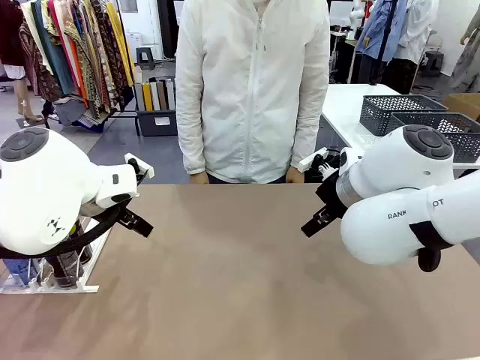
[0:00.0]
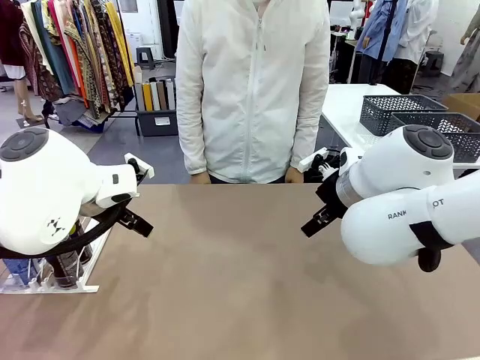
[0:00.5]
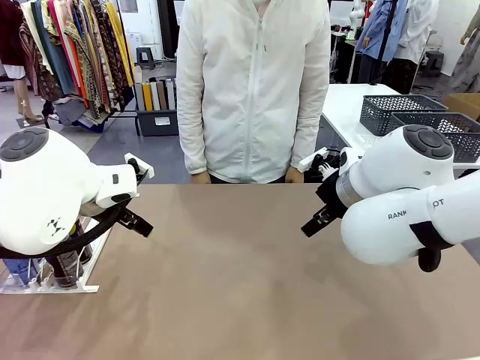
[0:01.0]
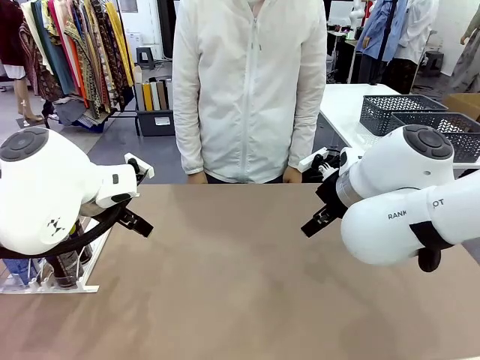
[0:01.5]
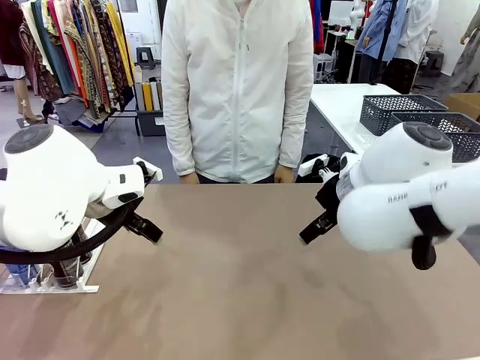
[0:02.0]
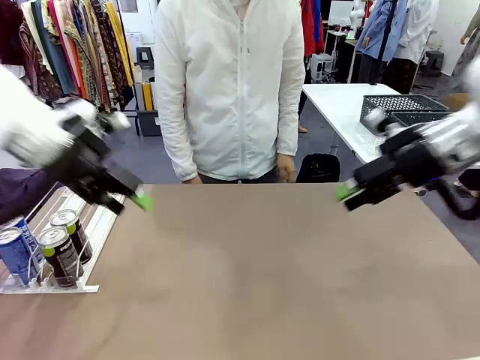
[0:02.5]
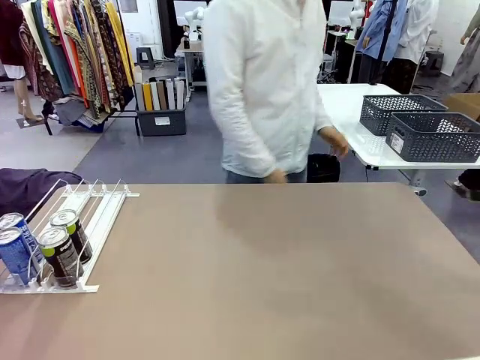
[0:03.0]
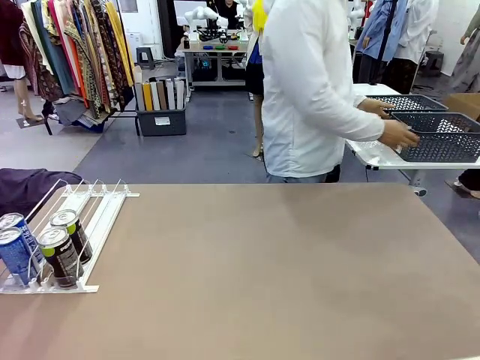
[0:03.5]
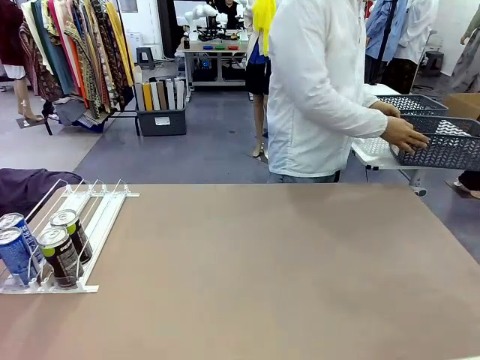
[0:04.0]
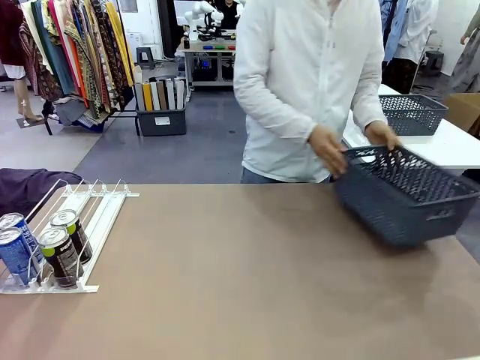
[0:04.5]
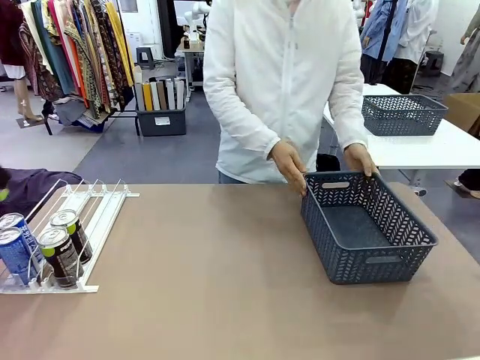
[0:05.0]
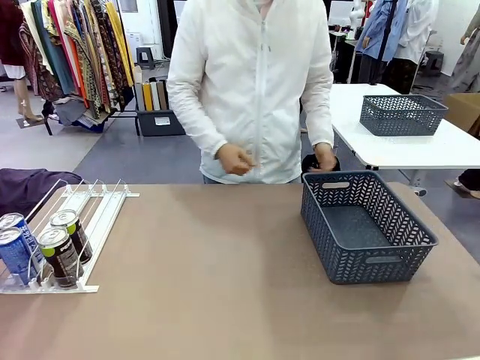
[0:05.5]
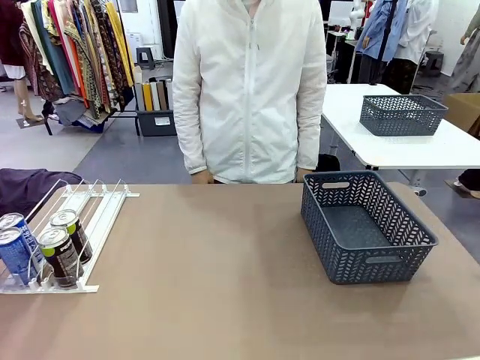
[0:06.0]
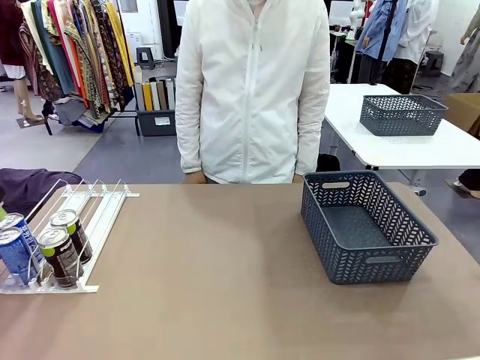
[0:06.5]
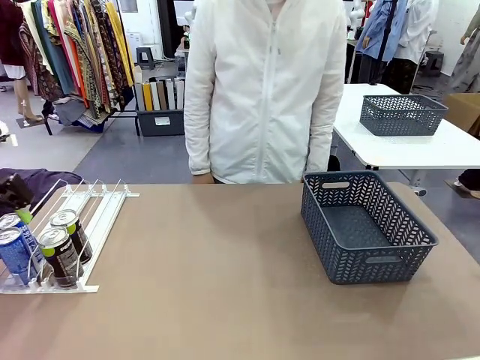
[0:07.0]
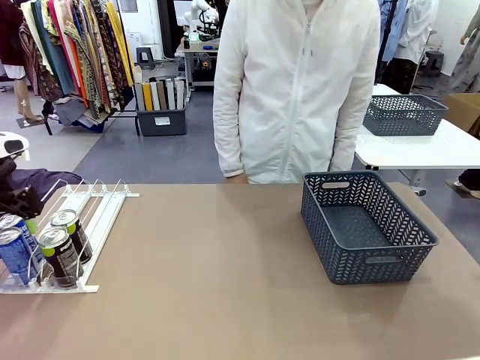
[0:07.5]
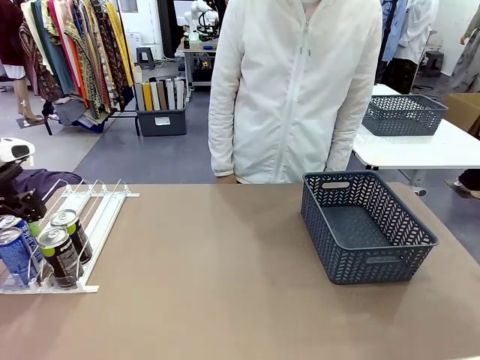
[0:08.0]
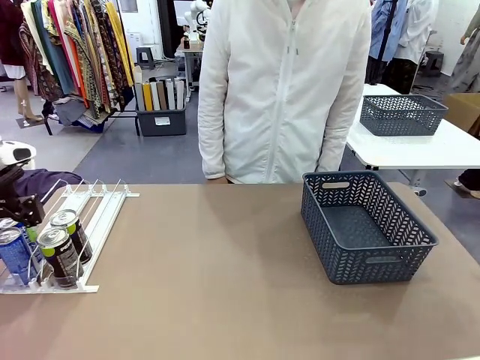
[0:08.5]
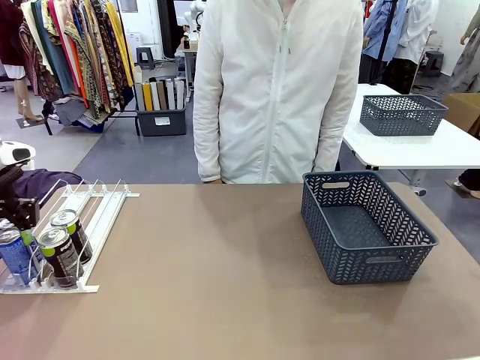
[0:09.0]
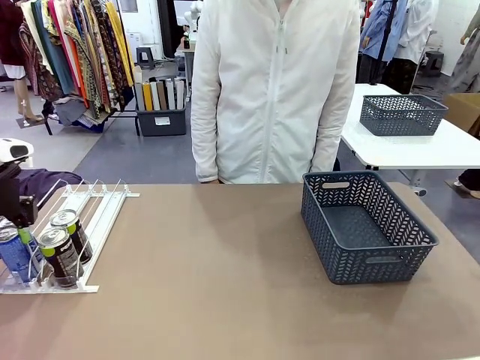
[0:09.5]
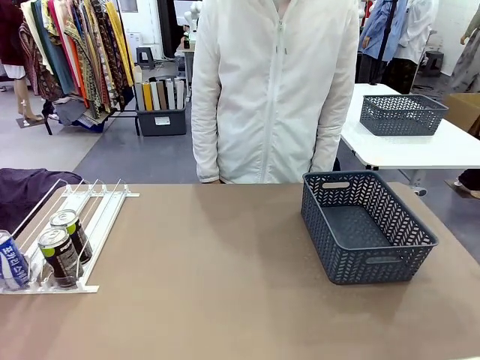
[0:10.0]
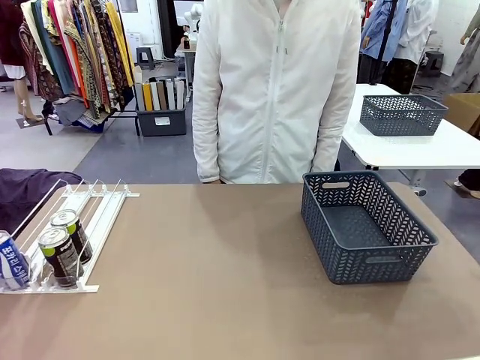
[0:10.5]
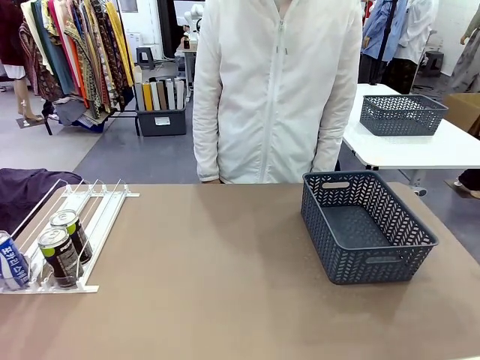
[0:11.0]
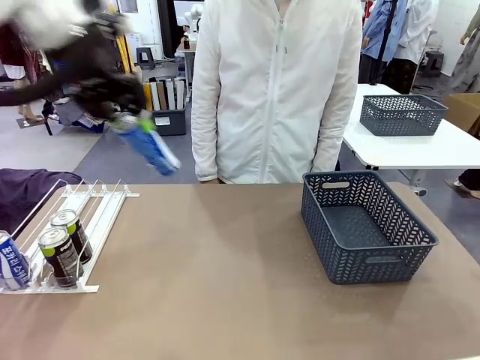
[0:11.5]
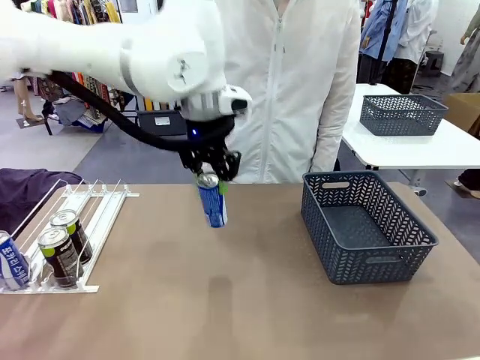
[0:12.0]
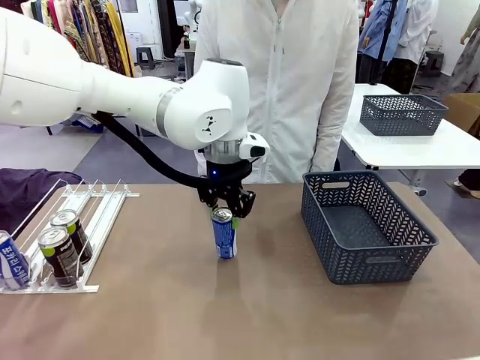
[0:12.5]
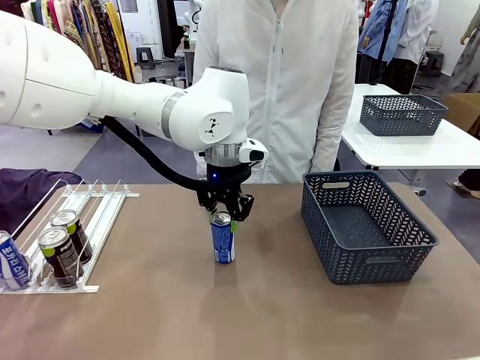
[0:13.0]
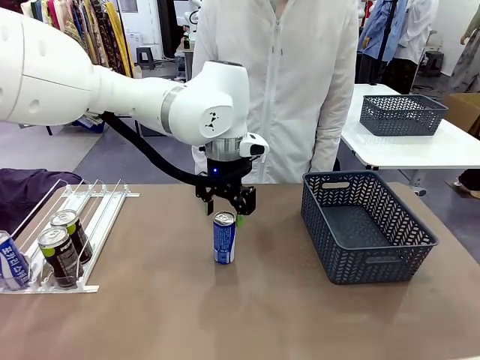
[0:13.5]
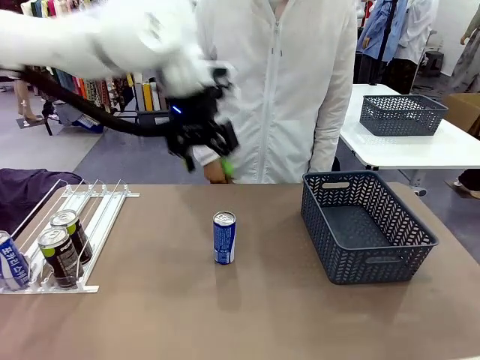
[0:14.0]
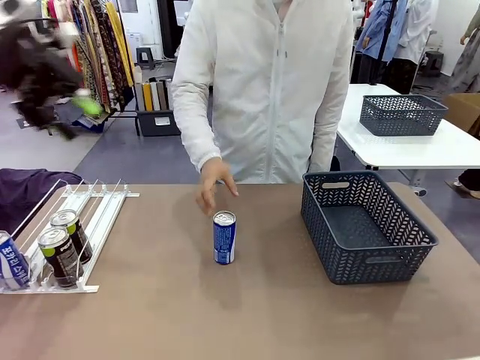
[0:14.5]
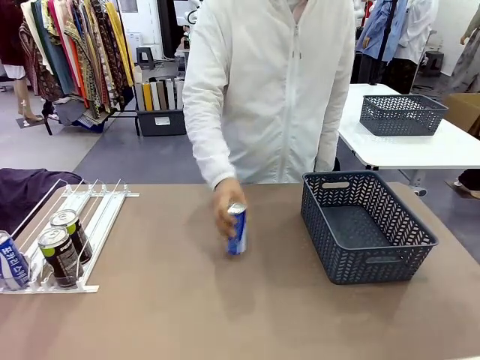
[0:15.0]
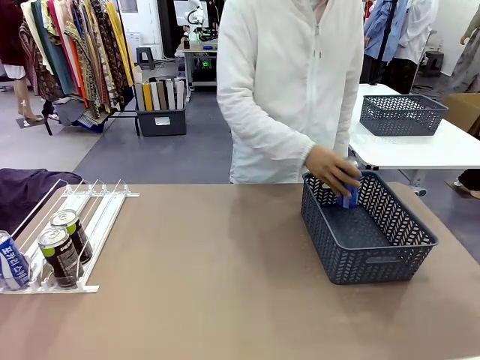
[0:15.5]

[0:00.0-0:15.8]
Task: Retrieve and store the cans from the dispenser.
Robot: Pick up one can from the Automatic Can Dispenser and place it in the middle of the table.
Person: Pick up the basket and place it on the left side of the robot table.

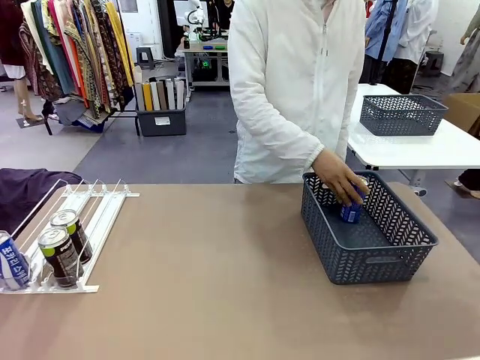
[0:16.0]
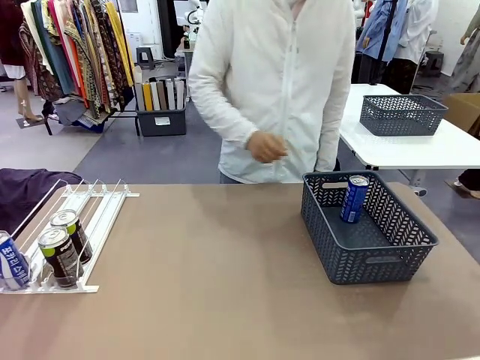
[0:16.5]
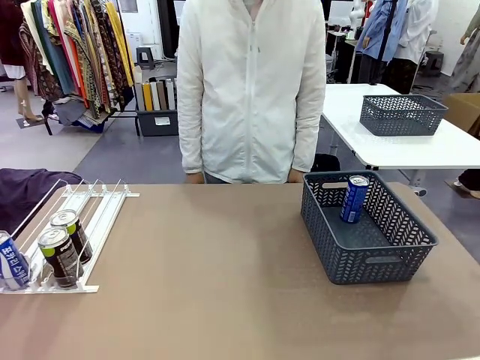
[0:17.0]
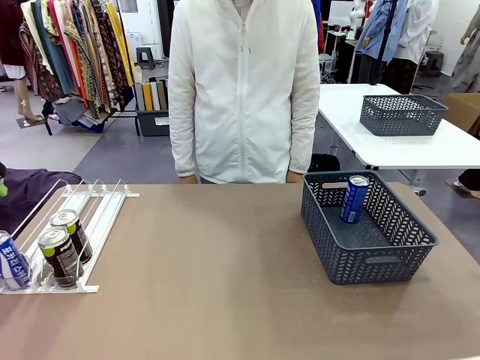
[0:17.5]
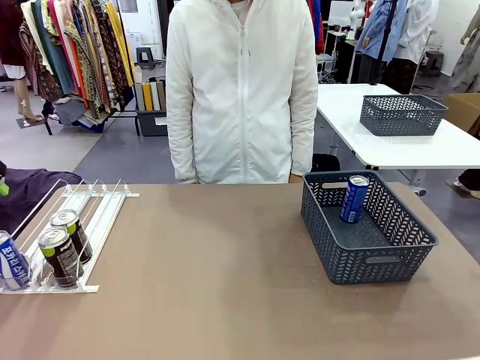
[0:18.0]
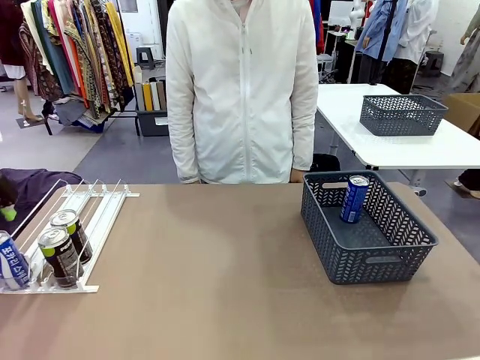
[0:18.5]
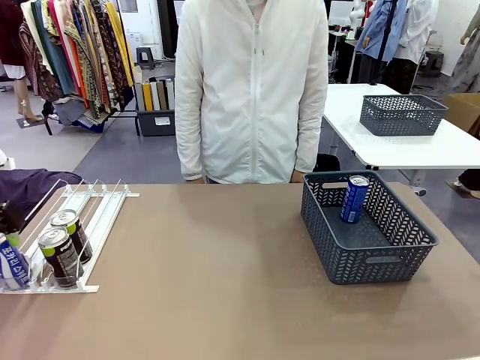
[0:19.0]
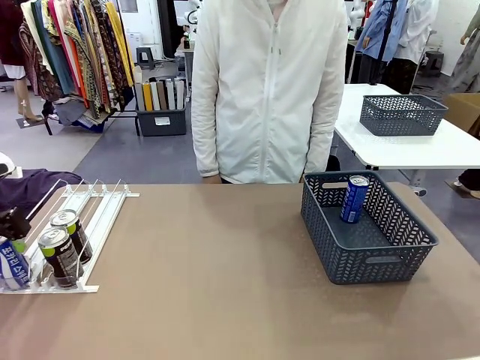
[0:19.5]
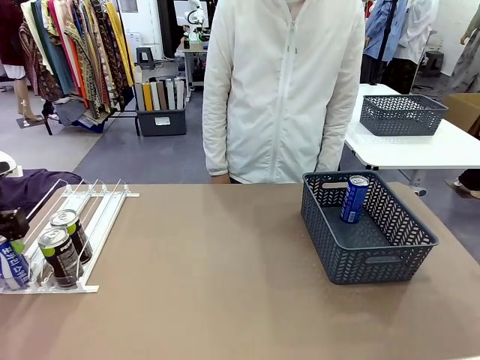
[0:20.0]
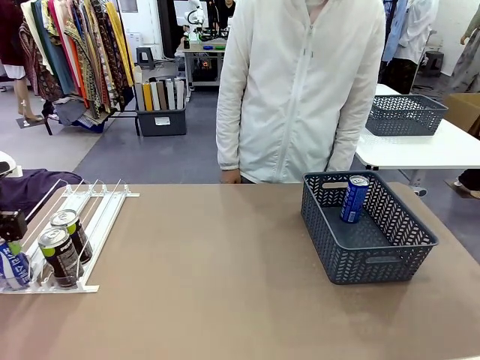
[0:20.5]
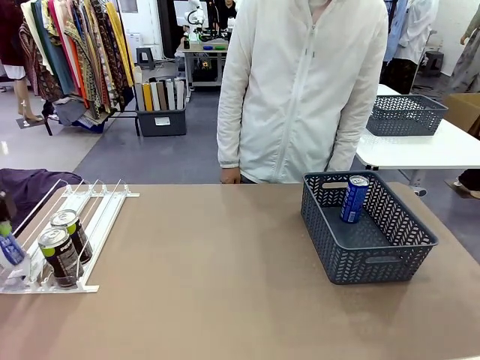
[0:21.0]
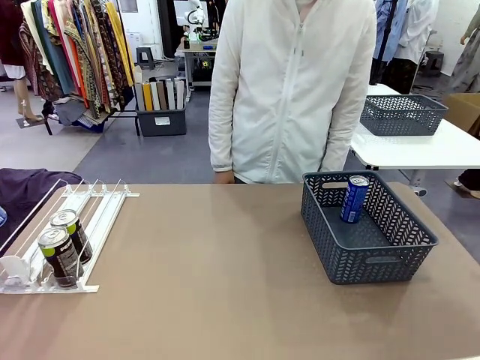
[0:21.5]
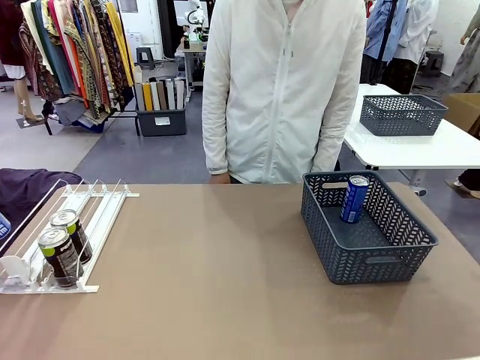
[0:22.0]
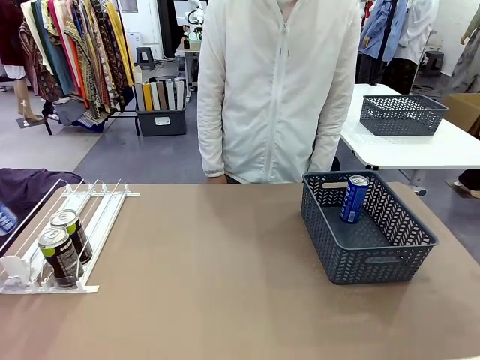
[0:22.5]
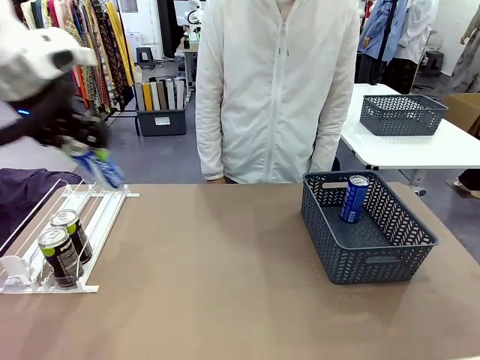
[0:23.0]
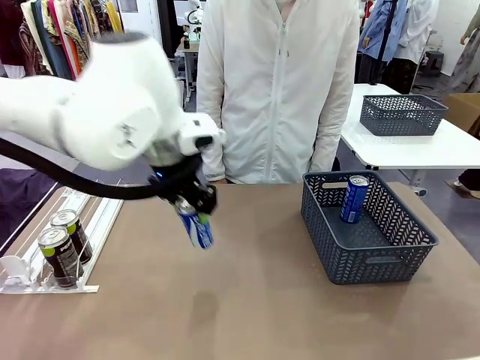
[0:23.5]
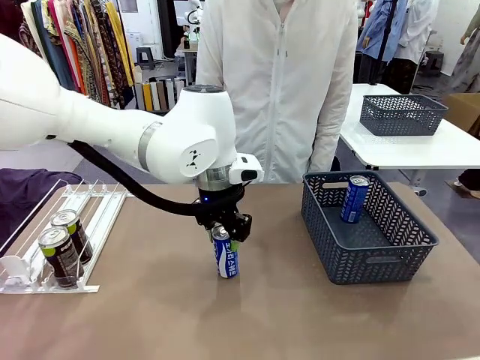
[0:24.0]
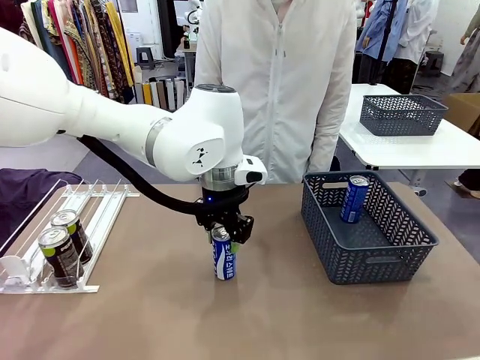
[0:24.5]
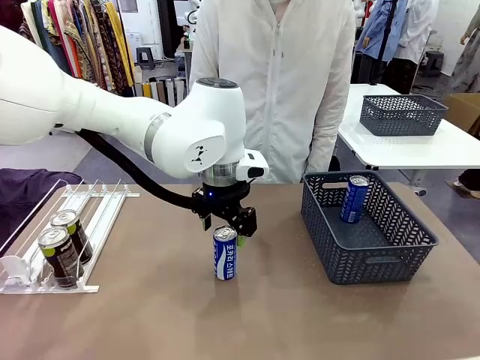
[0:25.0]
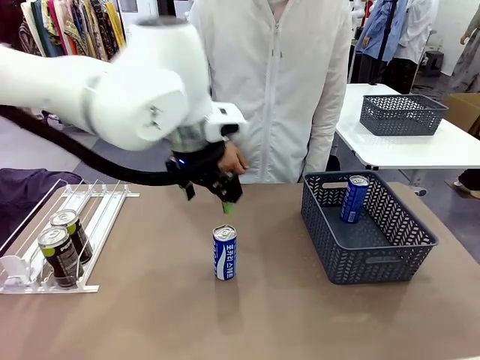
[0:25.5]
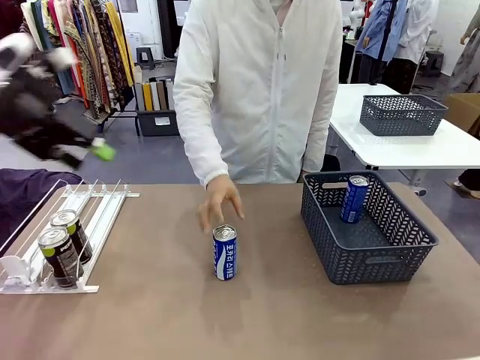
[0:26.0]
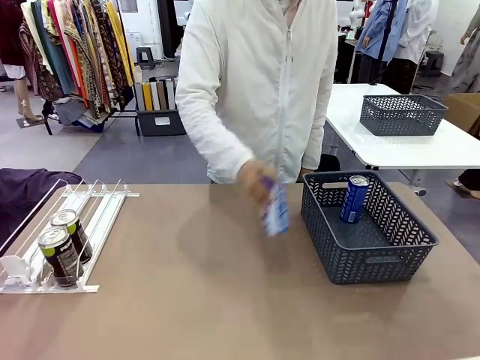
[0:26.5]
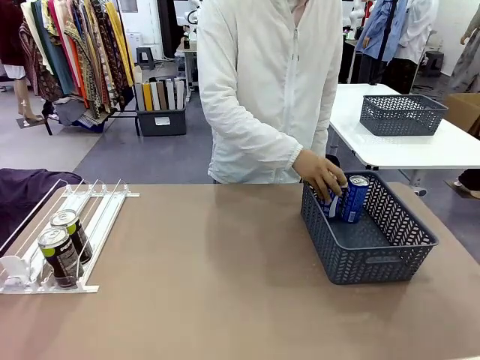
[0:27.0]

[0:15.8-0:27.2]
Robot: Pick up the last remaining can from one row of the Automatic Can Dispenser and place it in the middle of the table.
Person: Pick up one Pepsi can from the middle of the robot table and place it in the basket.
